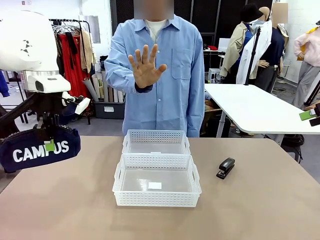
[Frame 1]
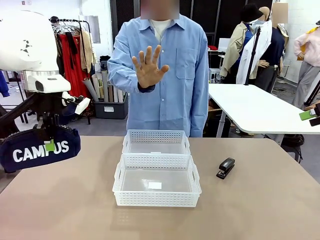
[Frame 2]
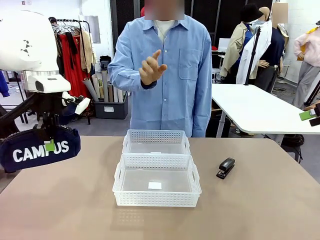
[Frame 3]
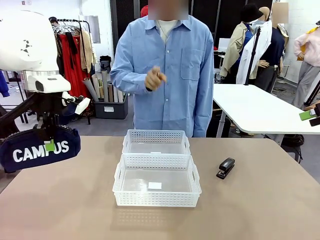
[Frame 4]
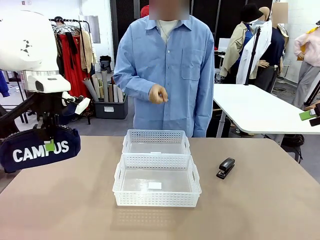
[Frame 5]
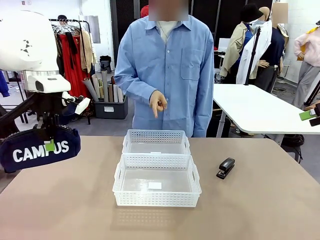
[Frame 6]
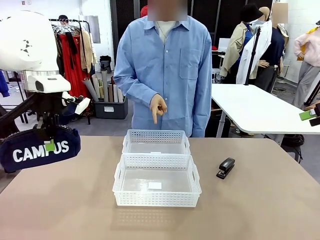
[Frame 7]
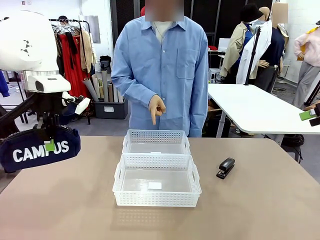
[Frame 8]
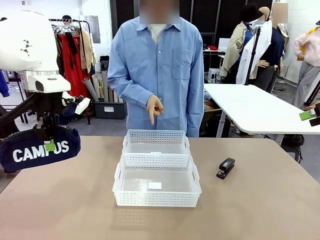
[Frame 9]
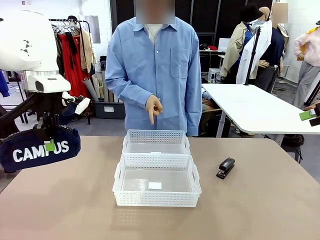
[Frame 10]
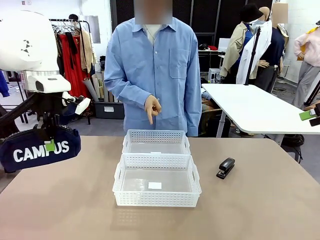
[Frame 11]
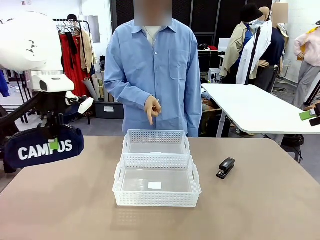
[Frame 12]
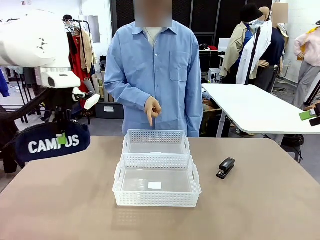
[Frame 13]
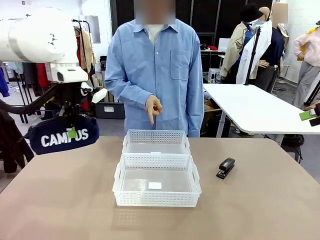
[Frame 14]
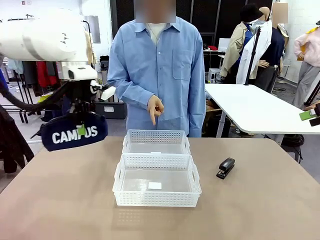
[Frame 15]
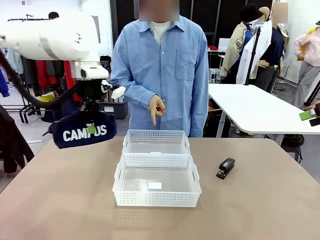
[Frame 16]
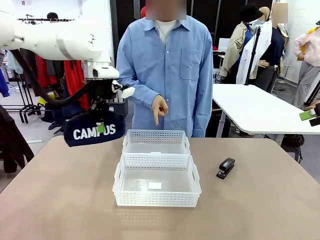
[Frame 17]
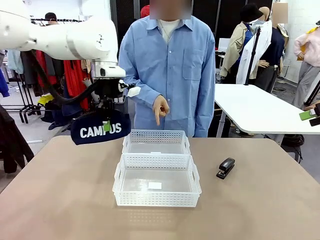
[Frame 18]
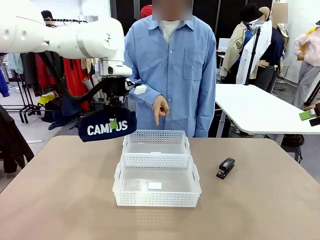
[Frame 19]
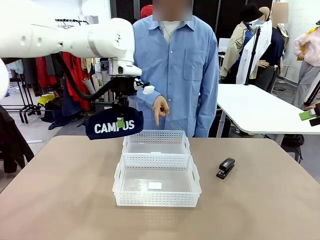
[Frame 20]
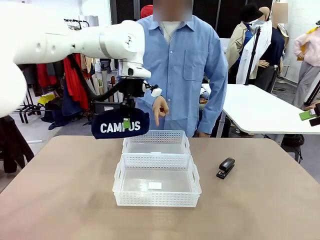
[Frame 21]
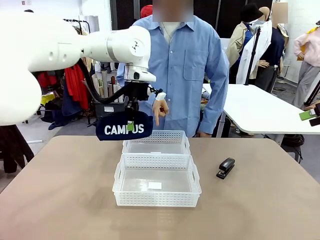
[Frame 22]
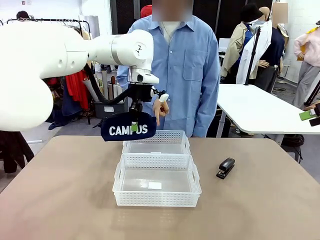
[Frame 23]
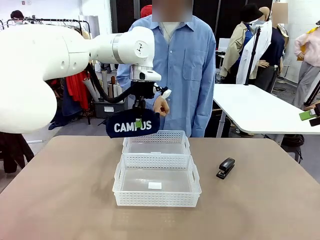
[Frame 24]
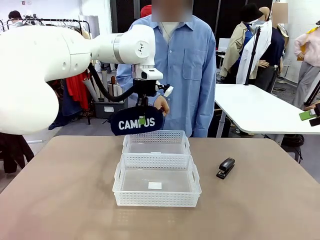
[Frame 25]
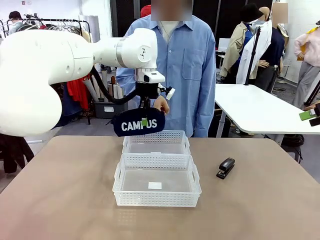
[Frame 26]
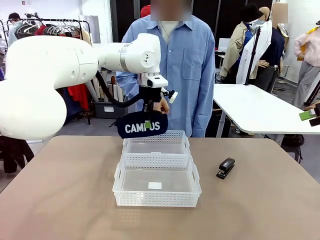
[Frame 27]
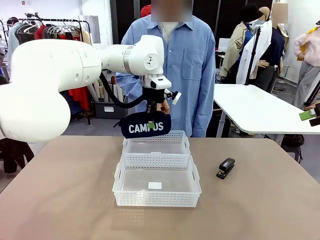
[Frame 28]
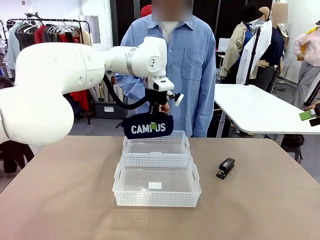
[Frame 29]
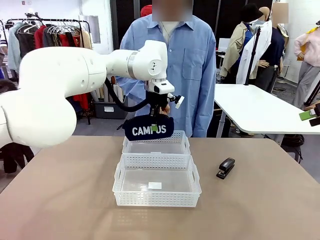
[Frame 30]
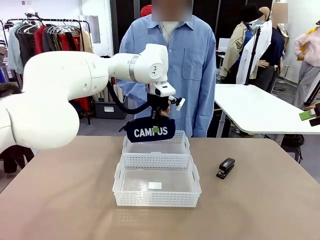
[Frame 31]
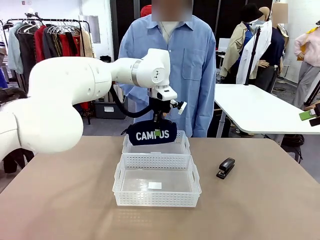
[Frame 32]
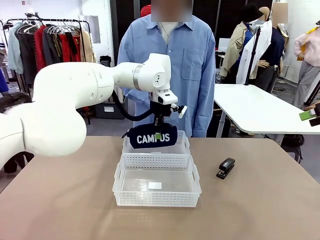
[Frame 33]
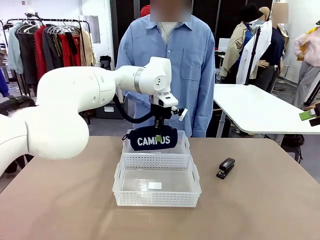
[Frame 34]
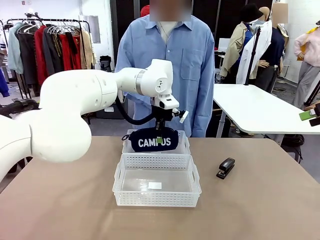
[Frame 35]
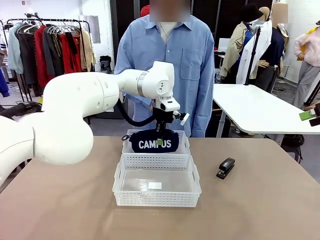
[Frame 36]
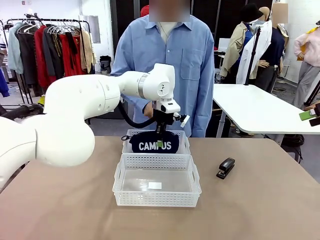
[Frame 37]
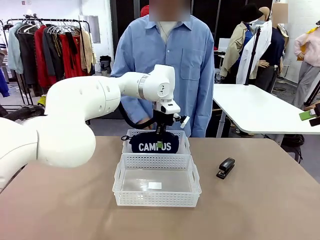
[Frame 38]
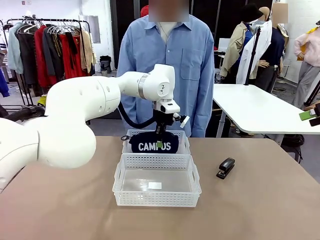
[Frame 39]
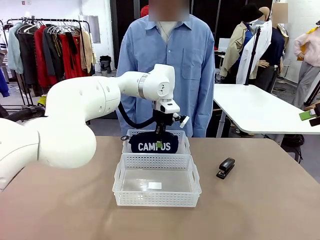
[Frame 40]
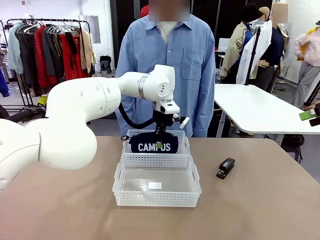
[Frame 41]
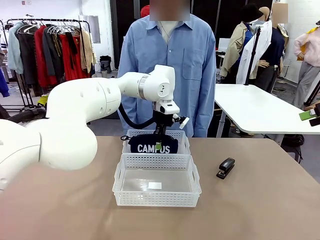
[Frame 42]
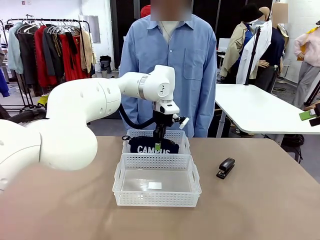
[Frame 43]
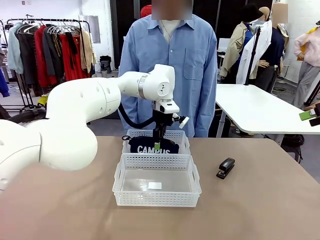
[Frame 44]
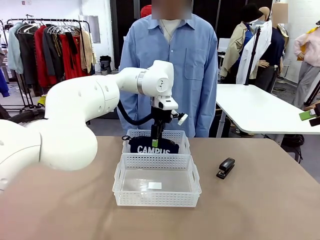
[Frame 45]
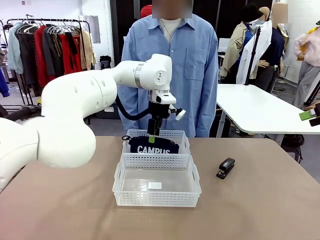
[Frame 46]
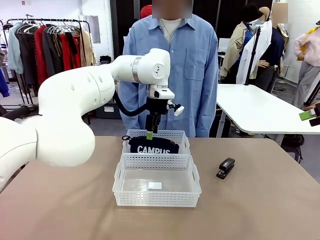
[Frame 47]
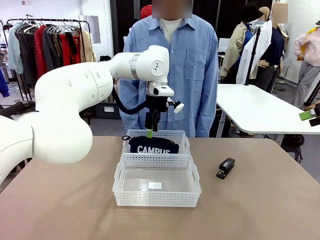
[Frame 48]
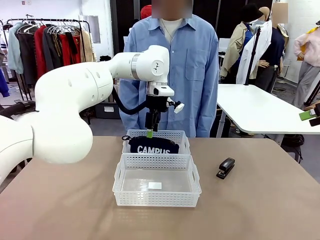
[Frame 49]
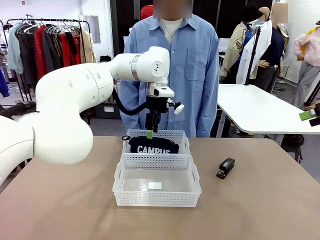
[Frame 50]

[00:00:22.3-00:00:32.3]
Task: Distribute items into two baskets.
Robot: Place the picked Pencil pouch into the Organizing basket as instructed by the person.
Person: Instructs the robot to place the pencil case into the opposite basket. Points to the stapler.

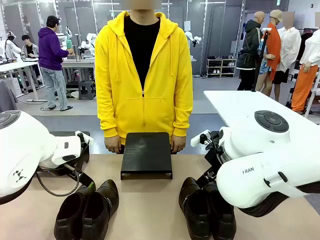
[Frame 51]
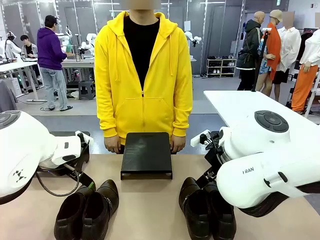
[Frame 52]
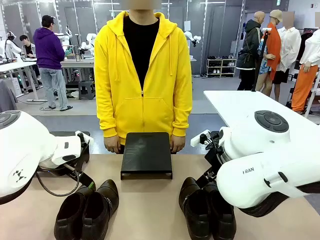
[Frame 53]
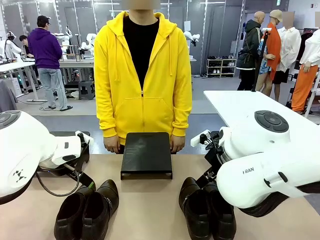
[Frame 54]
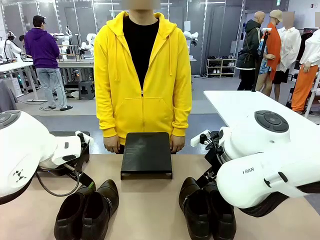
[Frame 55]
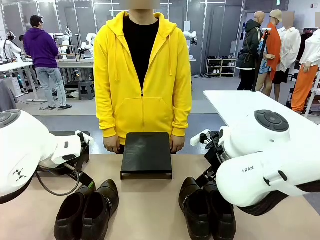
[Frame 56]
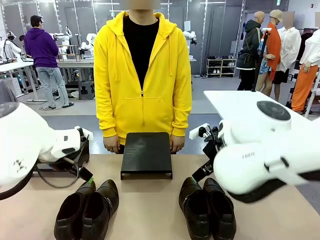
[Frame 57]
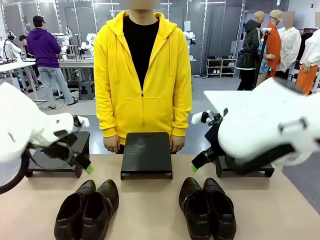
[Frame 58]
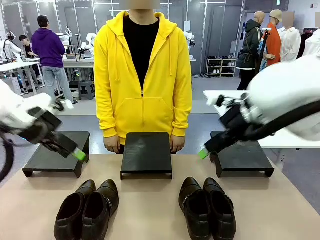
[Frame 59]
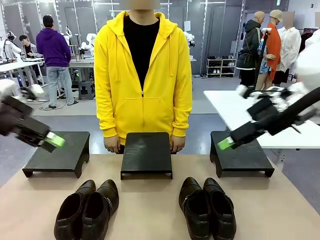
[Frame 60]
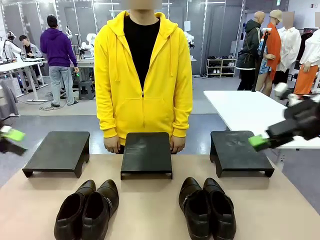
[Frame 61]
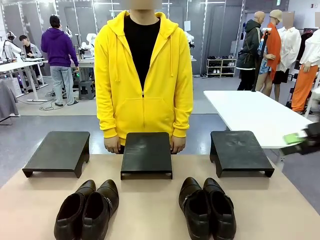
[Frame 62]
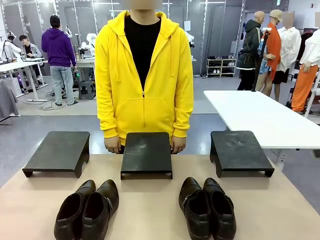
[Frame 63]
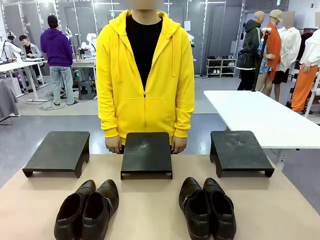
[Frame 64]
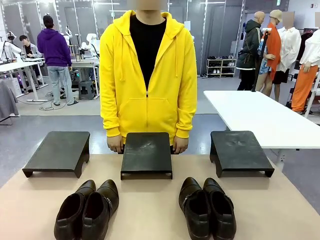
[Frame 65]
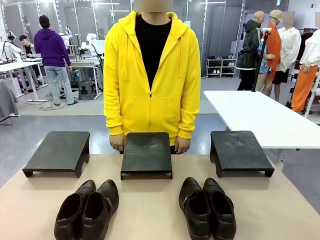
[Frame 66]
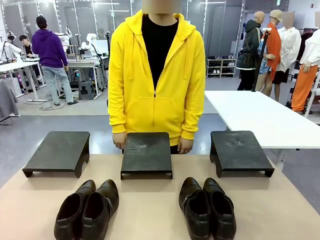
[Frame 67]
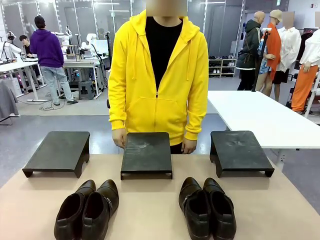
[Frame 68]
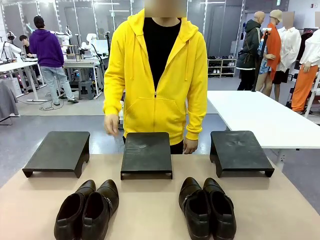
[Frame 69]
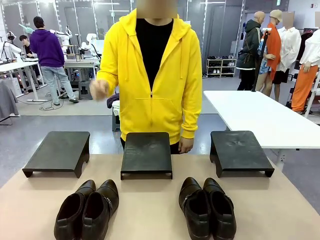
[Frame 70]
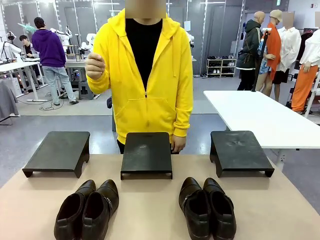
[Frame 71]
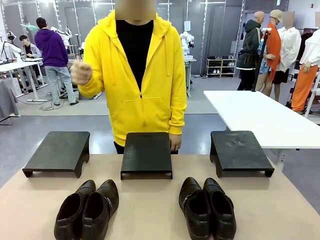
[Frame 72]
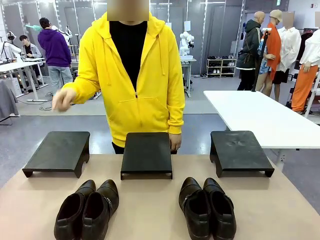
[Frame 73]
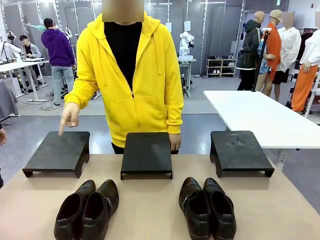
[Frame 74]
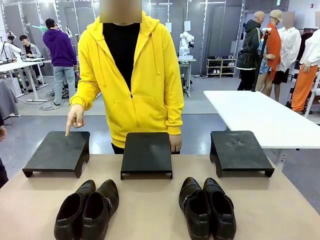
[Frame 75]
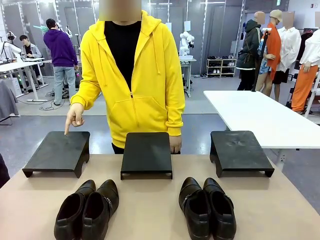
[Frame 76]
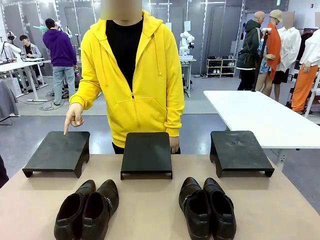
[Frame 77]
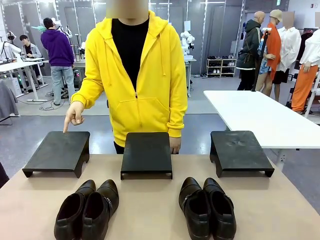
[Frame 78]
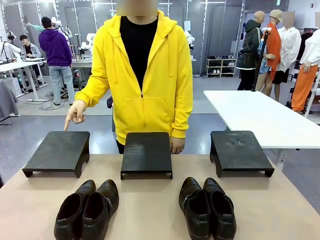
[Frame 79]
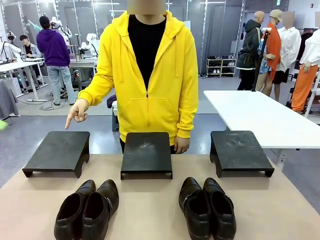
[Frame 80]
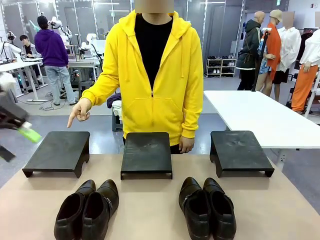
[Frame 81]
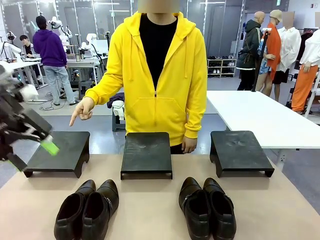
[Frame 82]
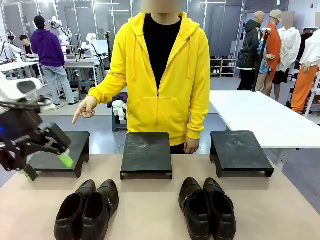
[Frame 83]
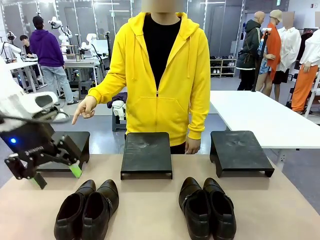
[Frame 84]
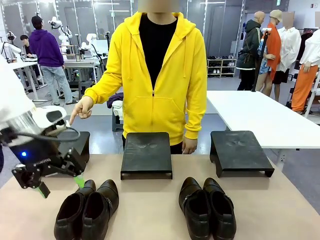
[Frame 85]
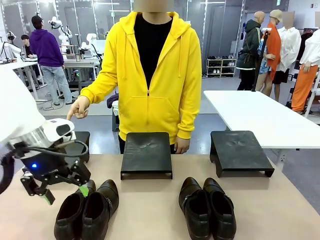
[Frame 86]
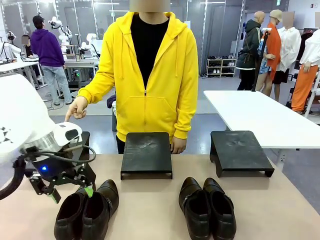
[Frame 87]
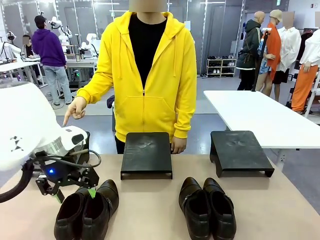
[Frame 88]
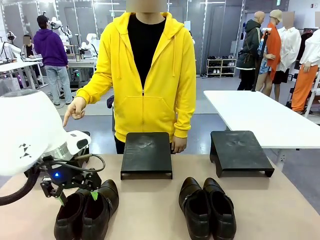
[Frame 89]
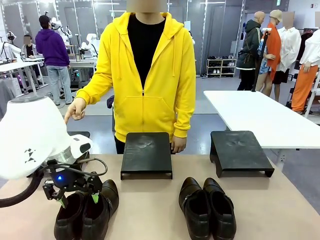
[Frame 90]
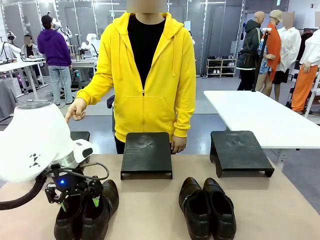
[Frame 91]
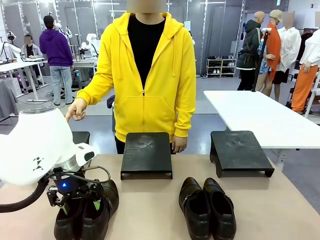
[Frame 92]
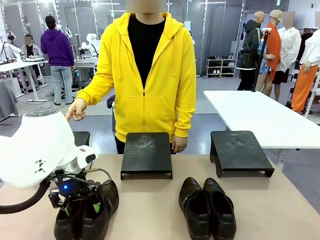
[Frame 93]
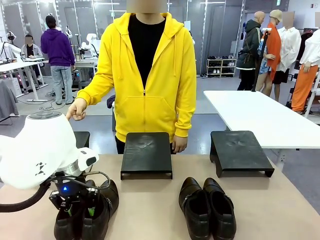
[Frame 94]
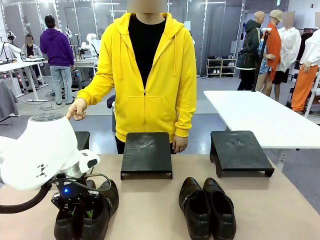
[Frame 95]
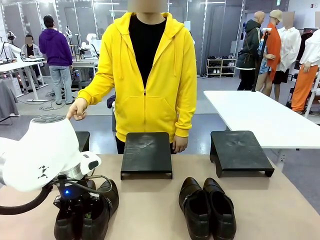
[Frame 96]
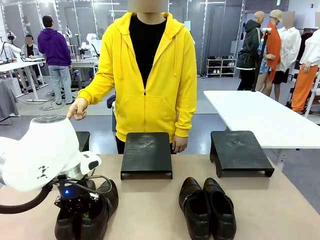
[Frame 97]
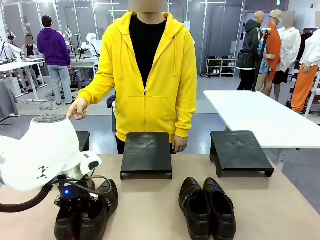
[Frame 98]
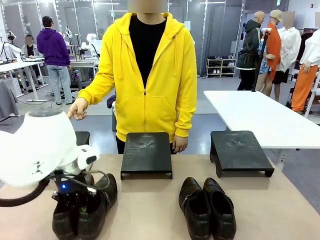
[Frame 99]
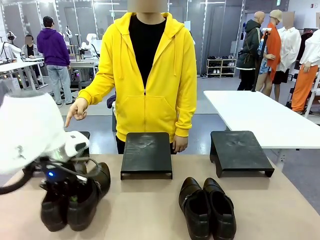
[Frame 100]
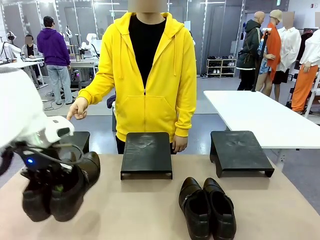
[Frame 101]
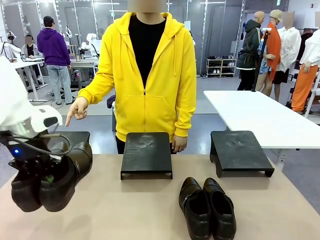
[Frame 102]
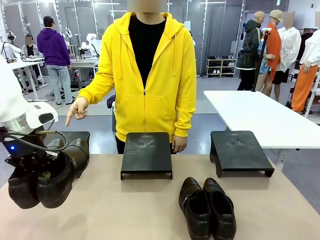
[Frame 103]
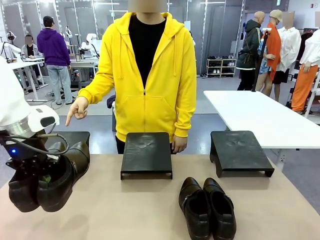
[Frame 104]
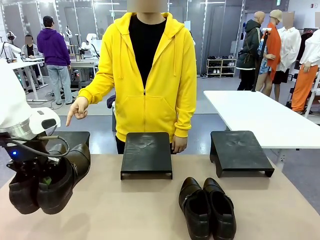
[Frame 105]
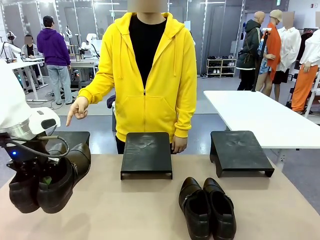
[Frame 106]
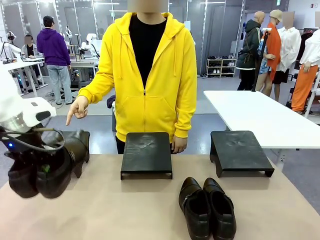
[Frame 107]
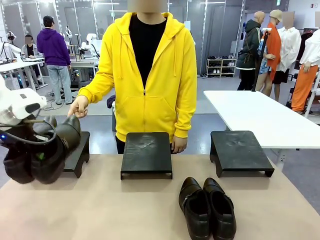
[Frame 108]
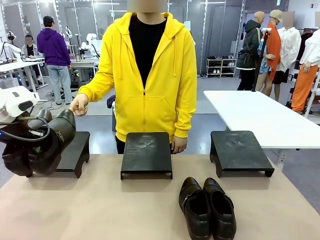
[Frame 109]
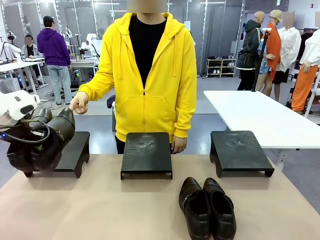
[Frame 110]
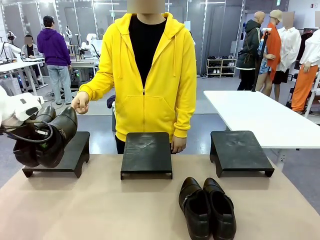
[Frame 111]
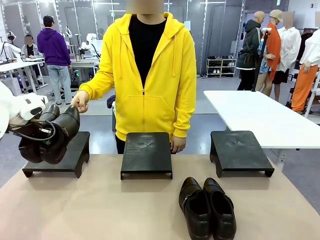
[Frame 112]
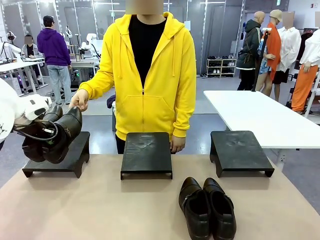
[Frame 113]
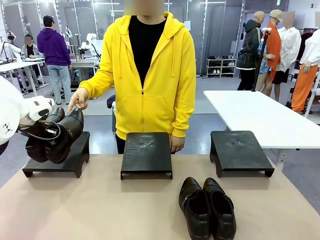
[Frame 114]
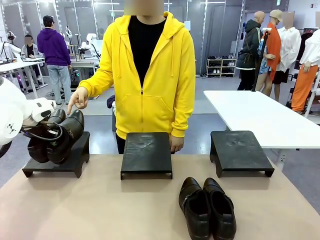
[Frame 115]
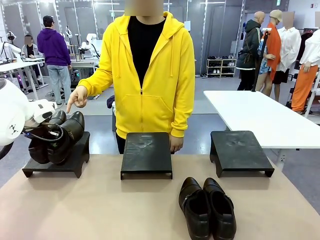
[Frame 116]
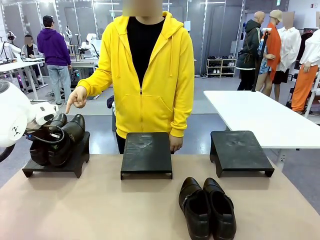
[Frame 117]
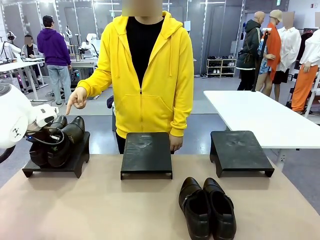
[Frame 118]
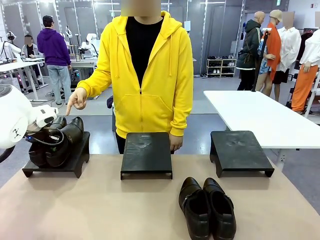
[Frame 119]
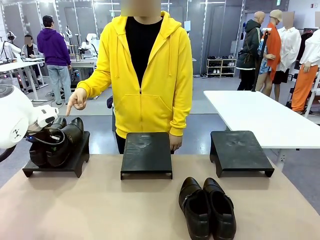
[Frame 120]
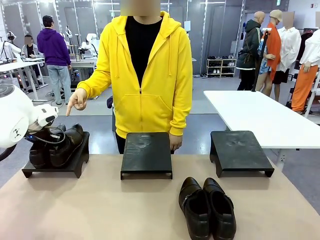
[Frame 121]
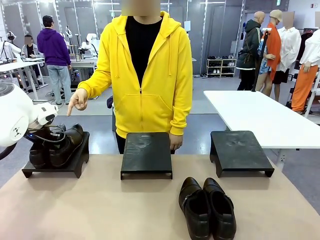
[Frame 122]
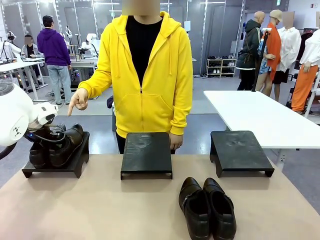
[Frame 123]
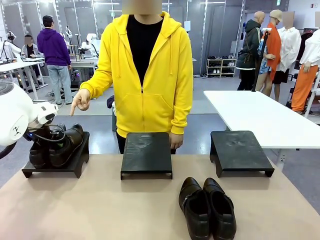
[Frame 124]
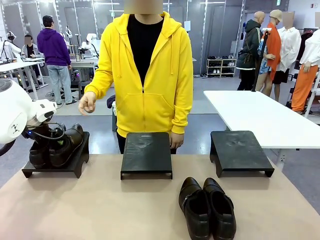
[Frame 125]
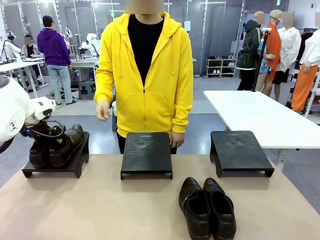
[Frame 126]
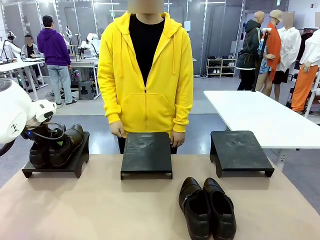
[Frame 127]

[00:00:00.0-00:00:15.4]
Task: Place the shoes on the stand as instructed by the person.
Robot: Pick up one pair of Shoes and place it on the Shoes Stand indicated by the person.
